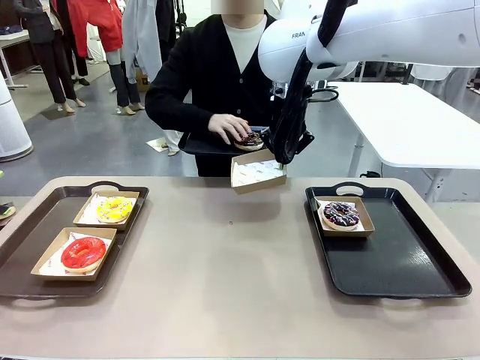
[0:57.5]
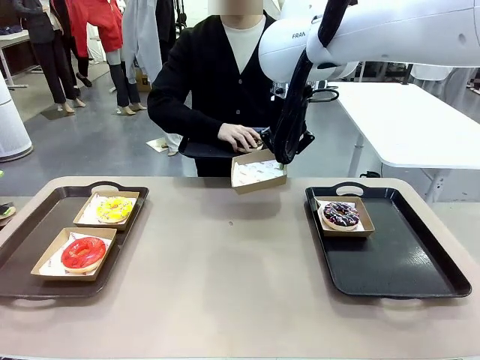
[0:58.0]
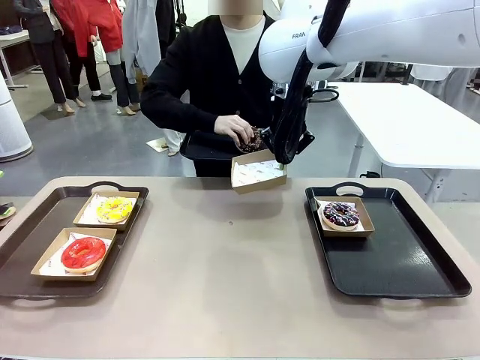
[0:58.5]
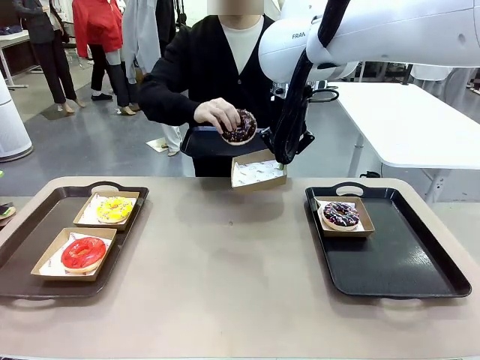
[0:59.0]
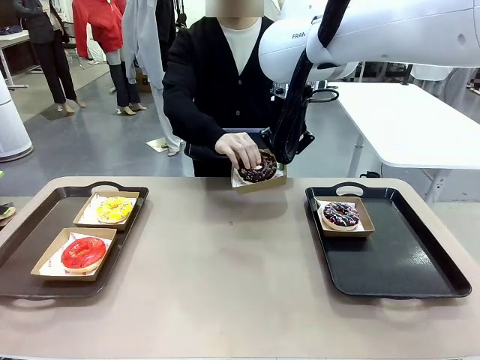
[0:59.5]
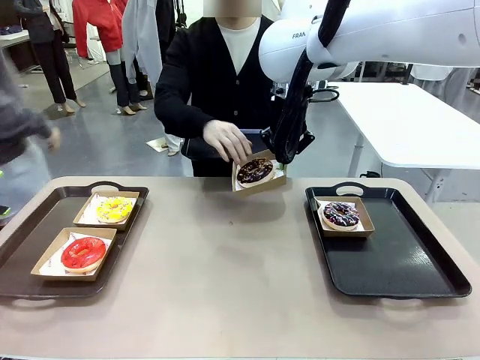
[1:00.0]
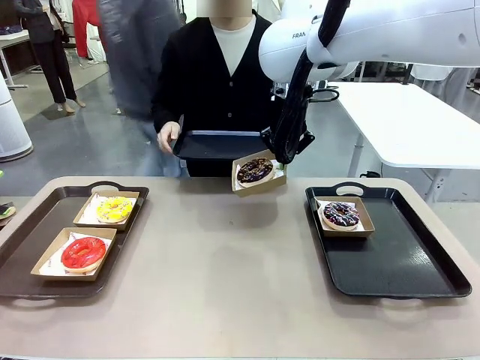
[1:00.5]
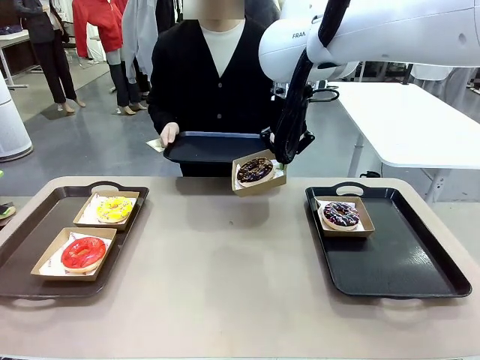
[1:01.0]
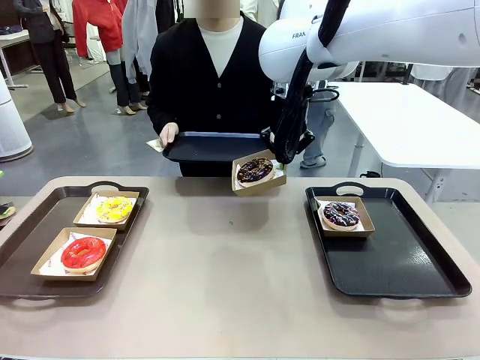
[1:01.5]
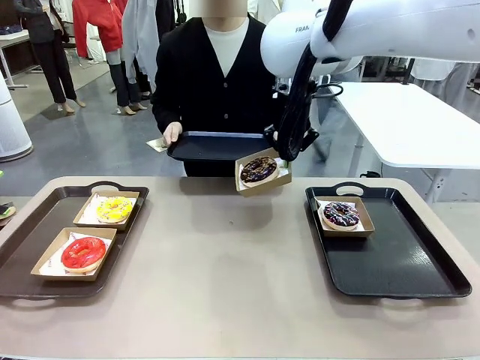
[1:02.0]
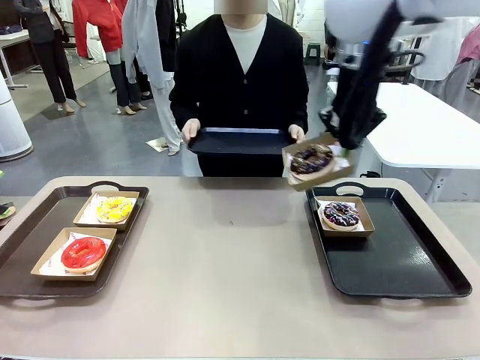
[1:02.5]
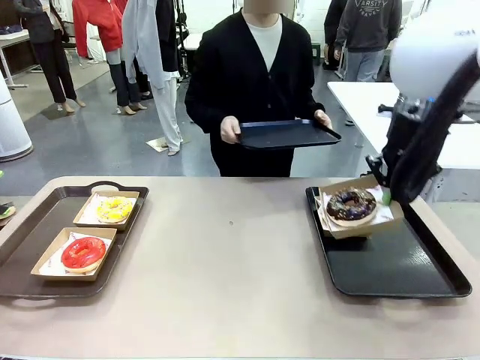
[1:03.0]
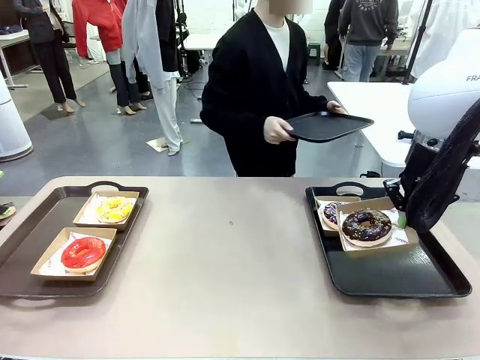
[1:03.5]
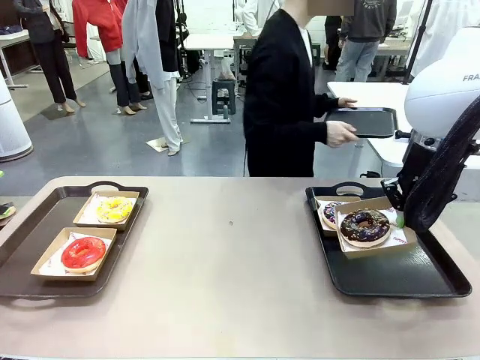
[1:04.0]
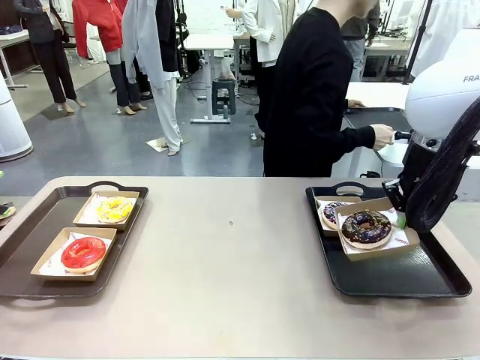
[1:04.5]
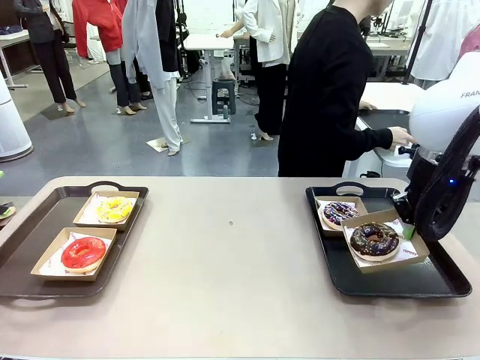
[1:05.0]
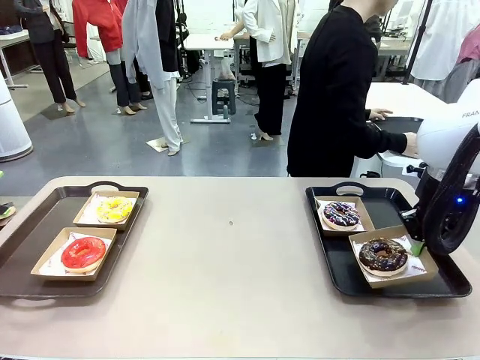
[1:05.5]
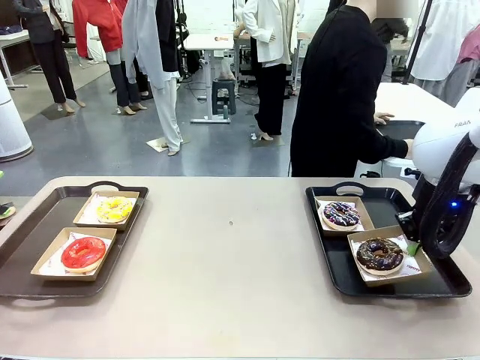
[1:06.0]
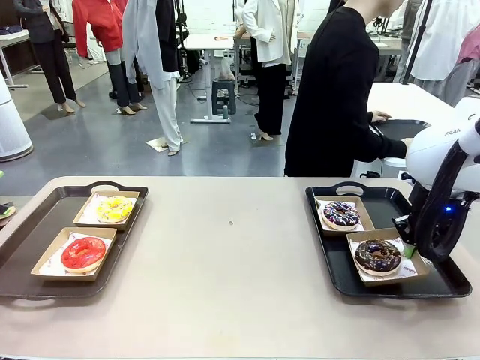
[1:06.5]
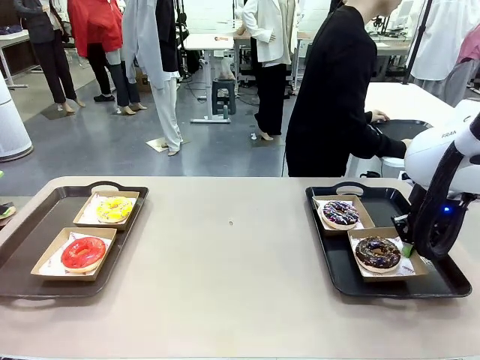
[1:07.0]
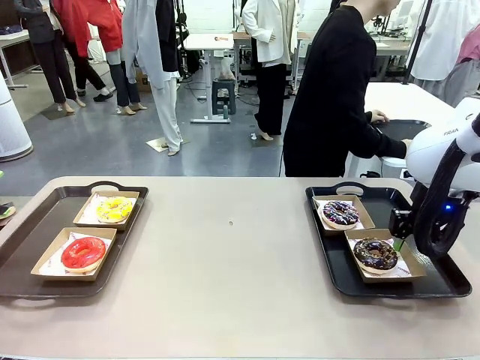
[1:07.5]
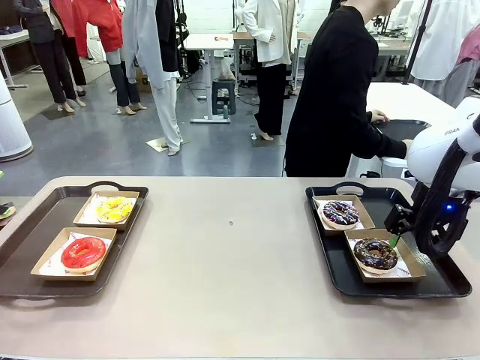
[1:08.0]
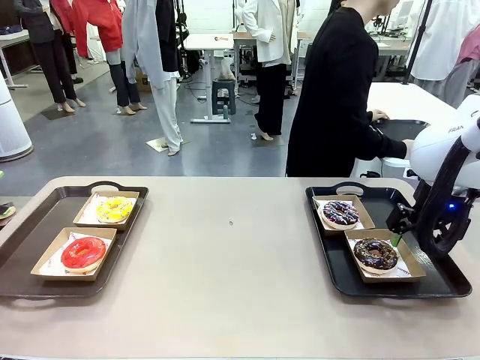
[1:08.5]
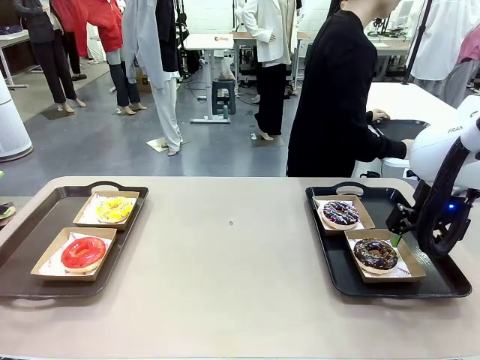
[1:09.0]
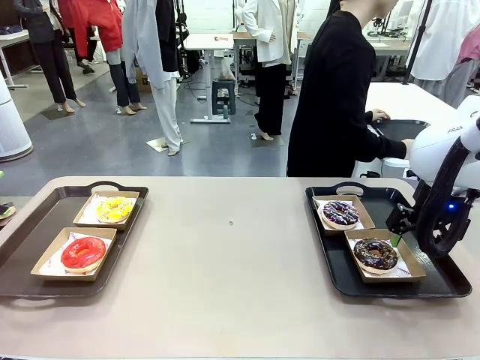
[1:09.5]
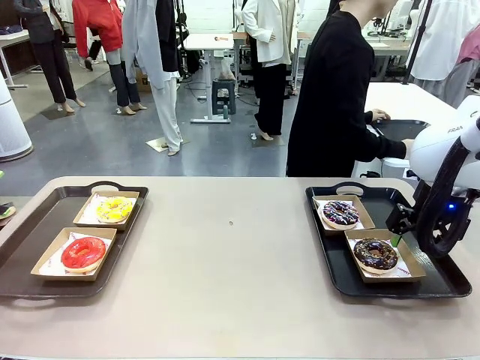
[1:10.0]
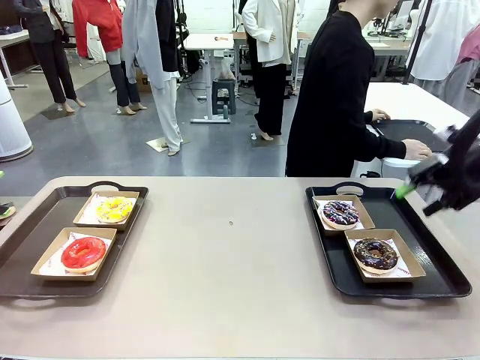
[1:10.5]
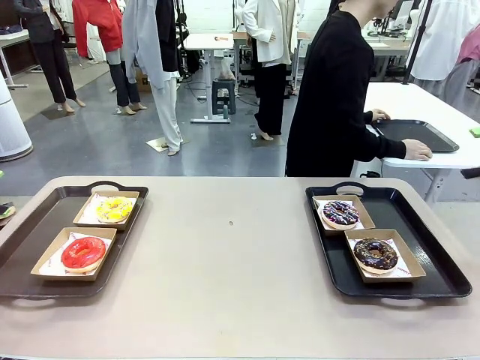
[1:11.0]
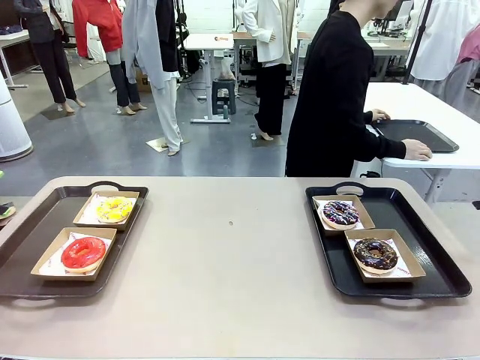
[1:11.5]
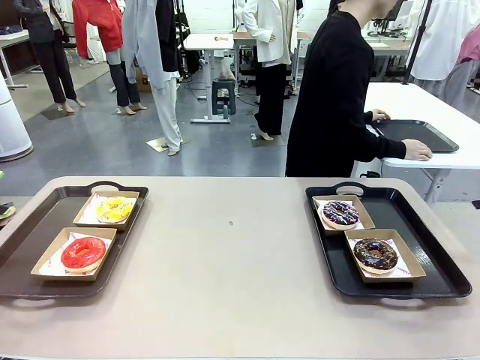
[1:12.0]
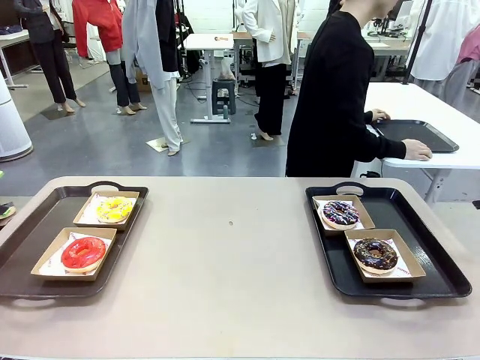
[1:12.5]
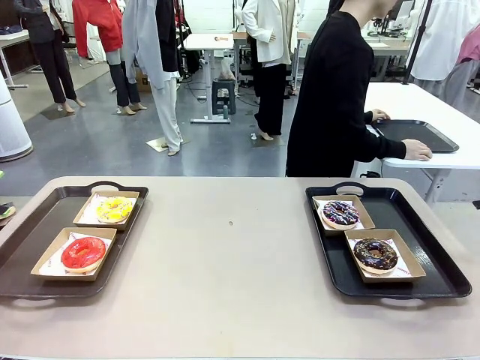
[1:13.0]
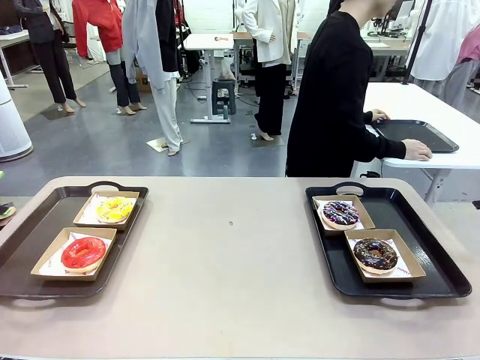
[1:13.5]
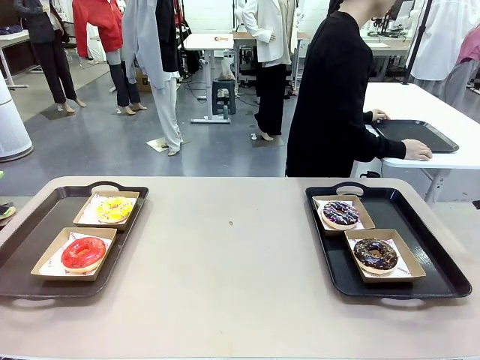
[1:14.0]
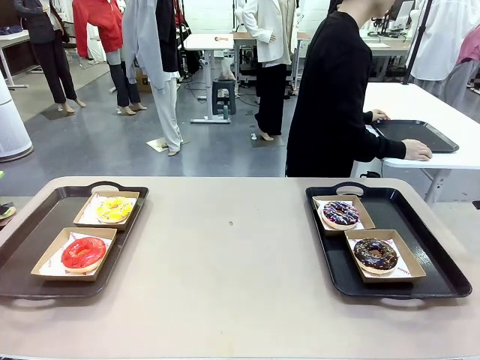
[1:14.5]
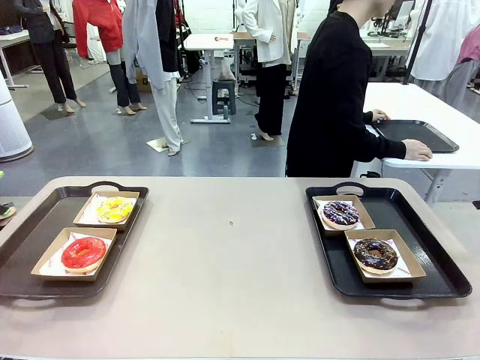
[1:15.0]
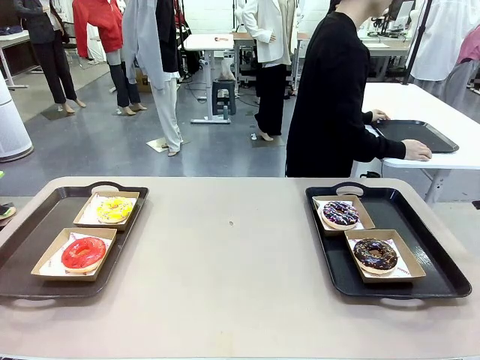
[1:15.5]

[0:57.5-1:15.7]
Task: Individually package the donuts and arrange them on the tray.
Robot: Place the picked Paper togo box on the Handle tray.
Person: Place the tray down in the middle of the human table.

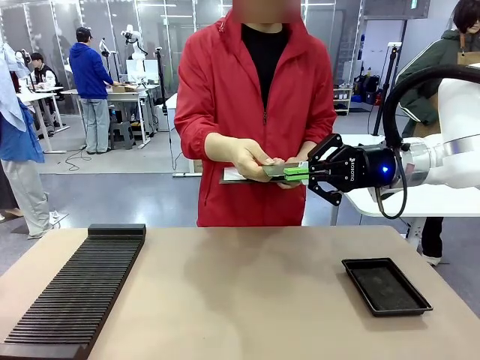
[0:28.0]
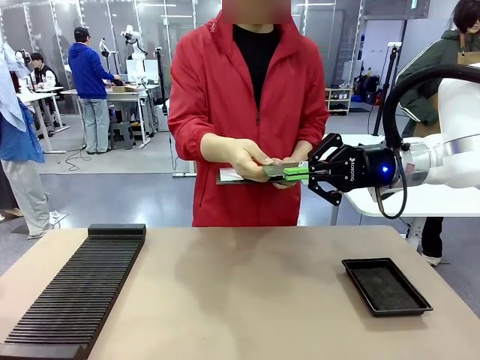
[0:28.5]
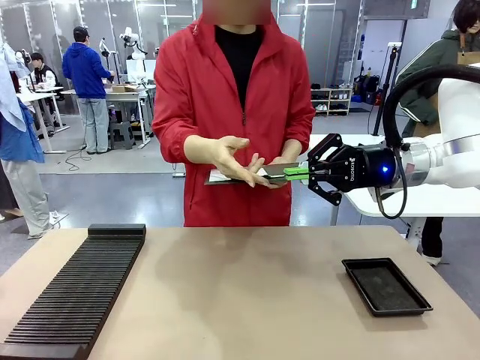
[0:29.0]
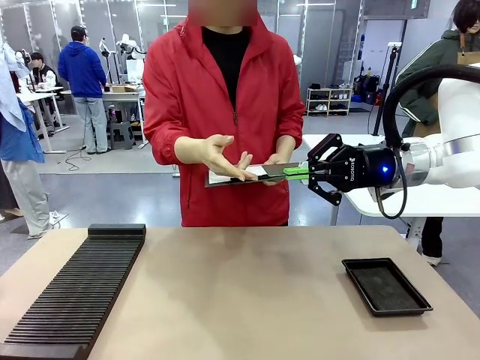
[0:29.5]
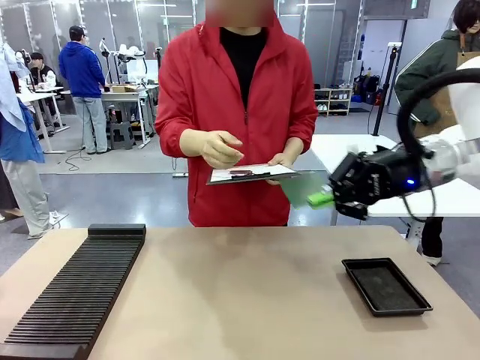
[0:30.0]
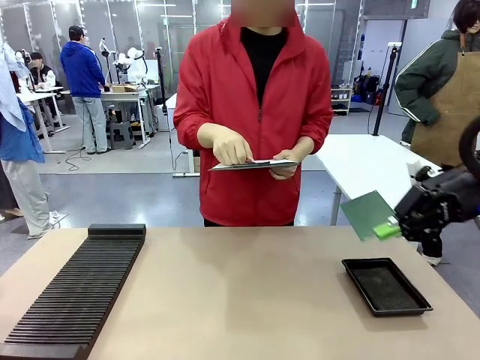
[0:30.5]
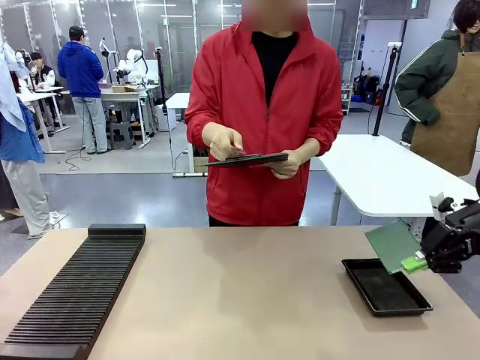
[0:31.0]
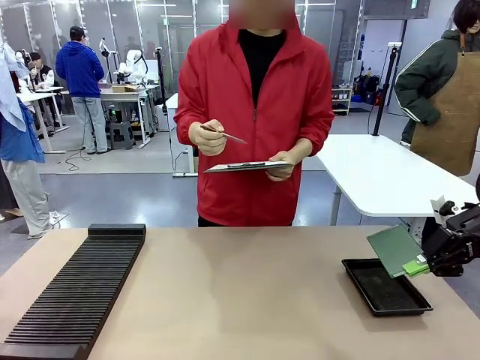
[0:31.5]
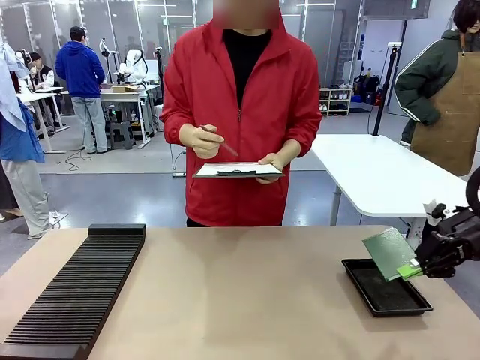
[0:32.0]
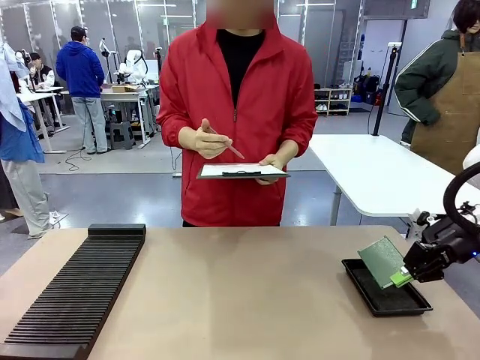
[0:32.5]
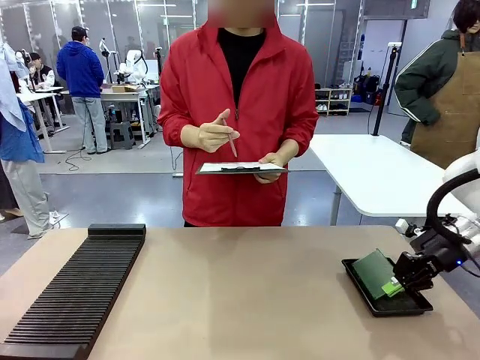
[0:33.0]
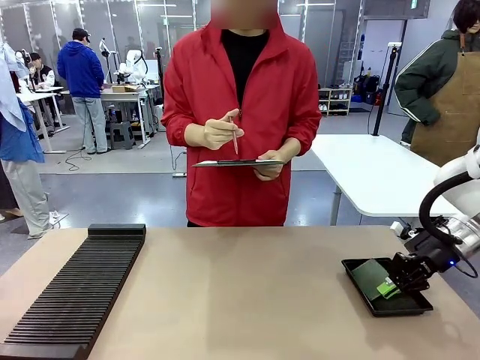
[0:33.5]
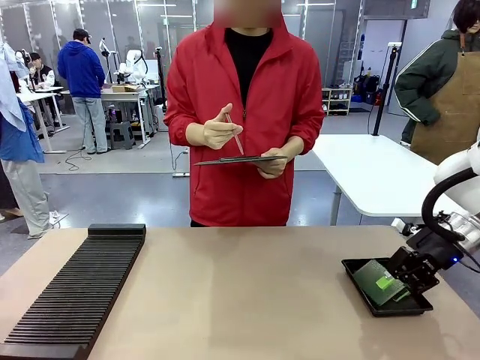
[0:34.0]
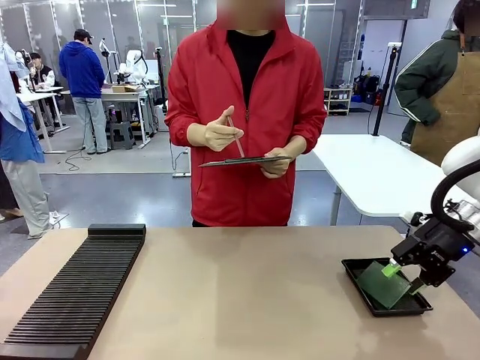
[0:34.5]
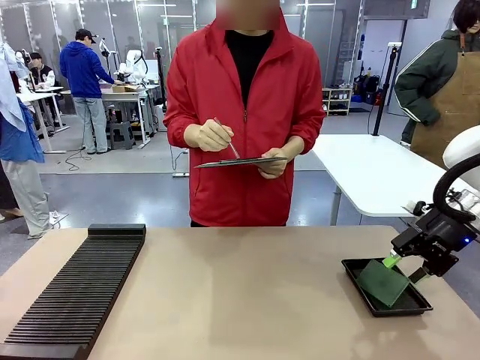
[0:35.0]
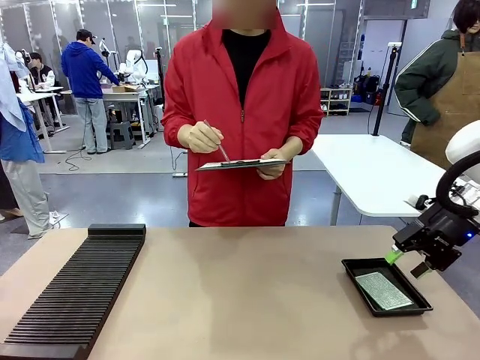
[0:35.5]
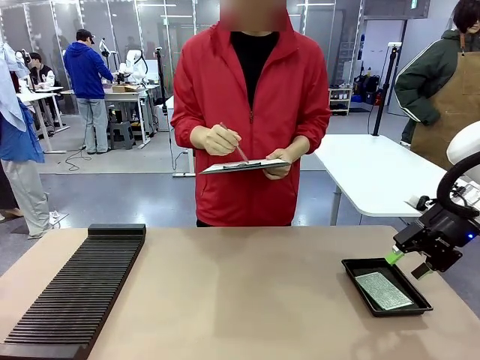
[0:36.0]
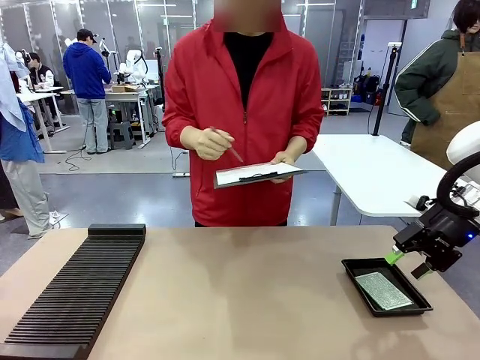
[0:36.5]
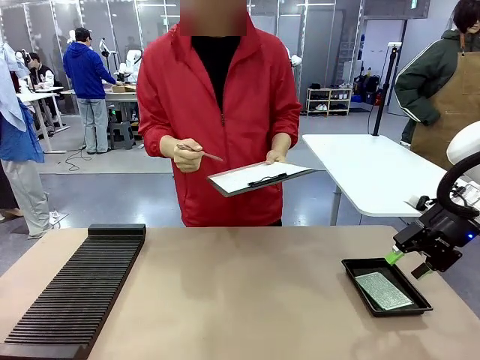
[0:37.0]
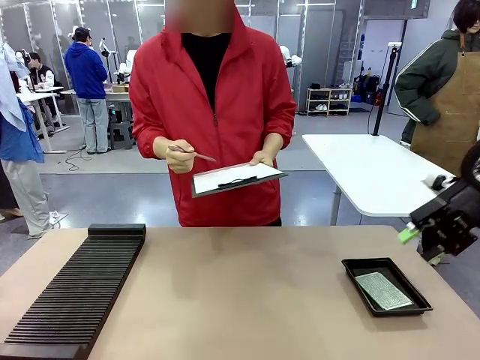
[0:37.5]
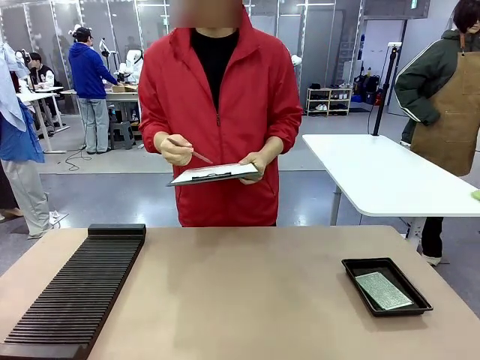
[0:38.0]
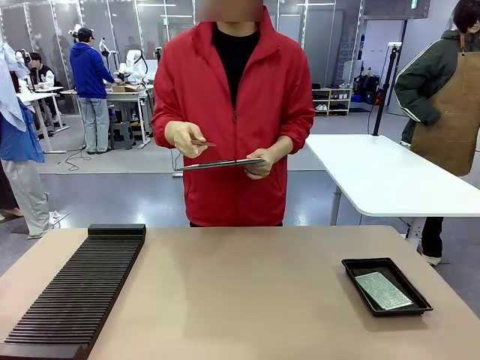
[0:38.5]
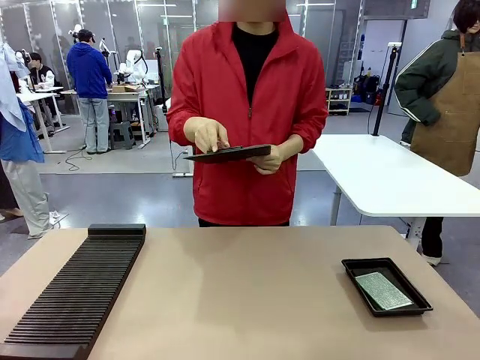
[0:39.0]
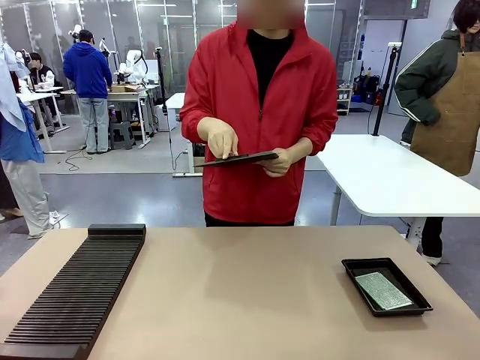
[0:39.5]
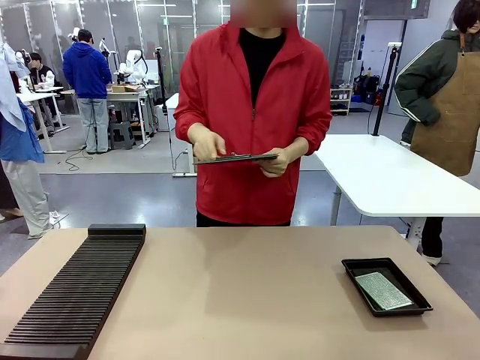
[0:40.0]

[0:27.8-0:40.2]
Task: Inspect the PCB.
Robot: Place the Blank PCB in the ESD tray.
Person: Record the PCB status on the paper.
